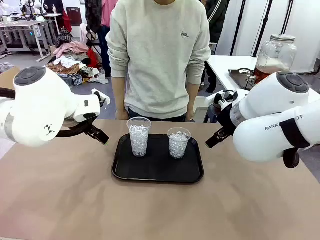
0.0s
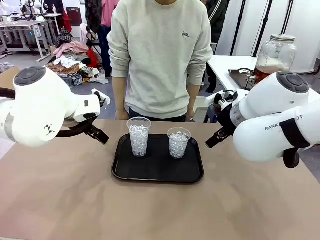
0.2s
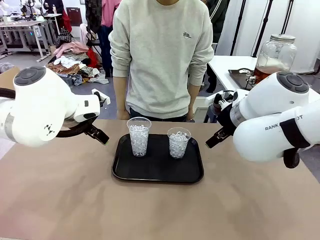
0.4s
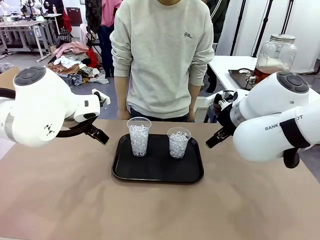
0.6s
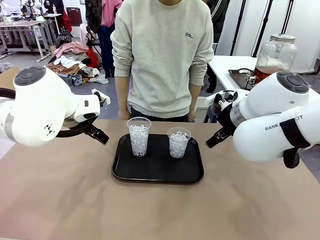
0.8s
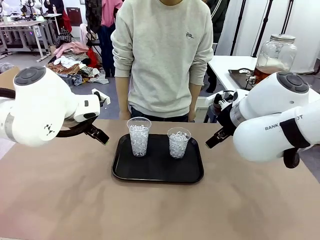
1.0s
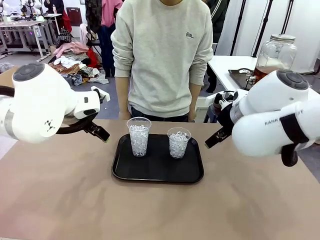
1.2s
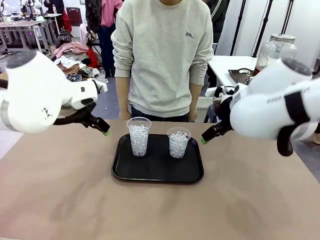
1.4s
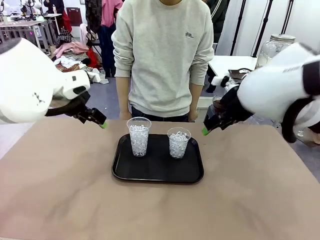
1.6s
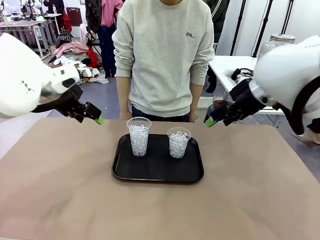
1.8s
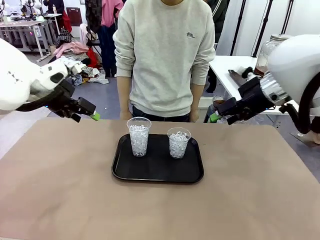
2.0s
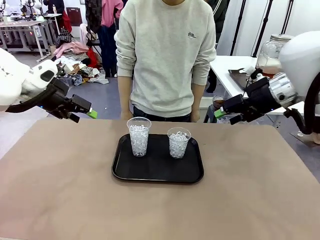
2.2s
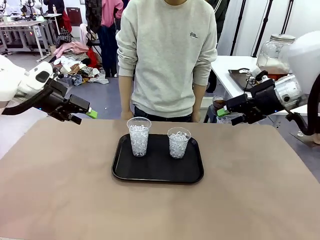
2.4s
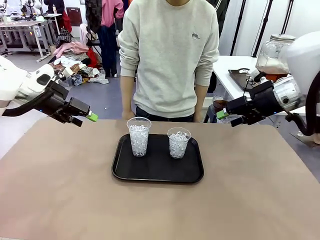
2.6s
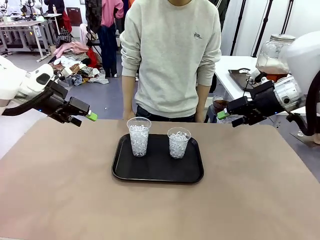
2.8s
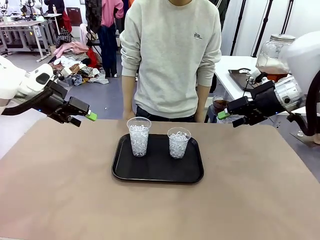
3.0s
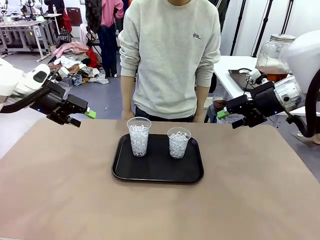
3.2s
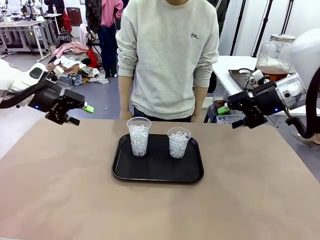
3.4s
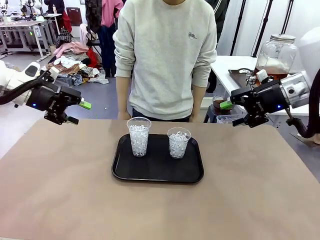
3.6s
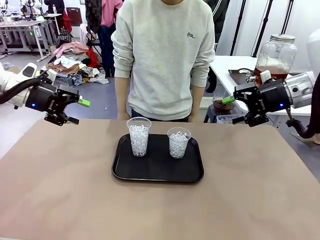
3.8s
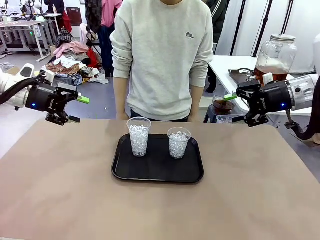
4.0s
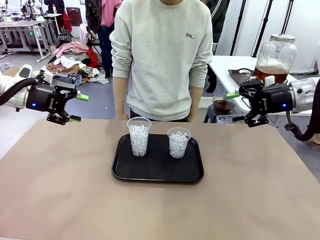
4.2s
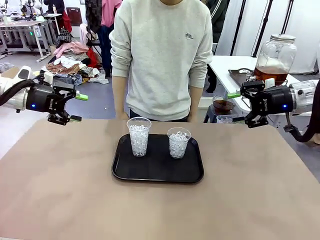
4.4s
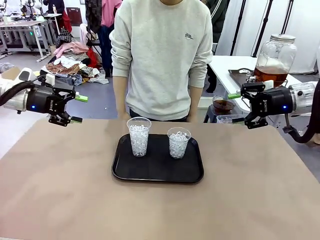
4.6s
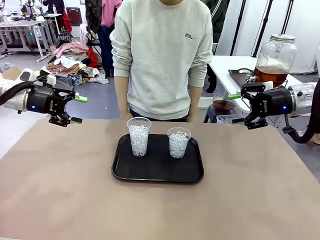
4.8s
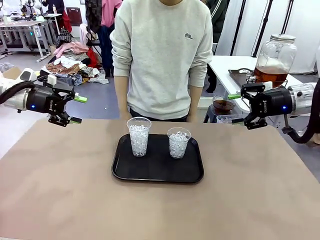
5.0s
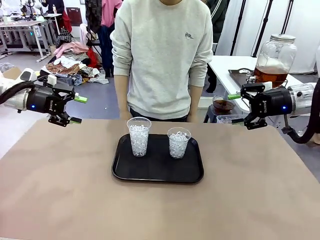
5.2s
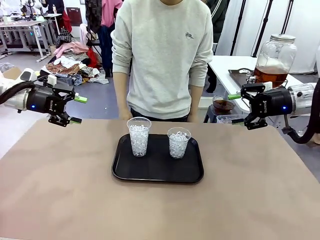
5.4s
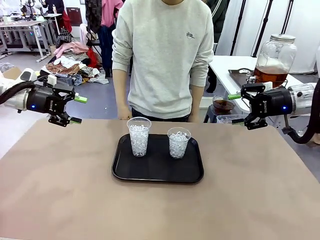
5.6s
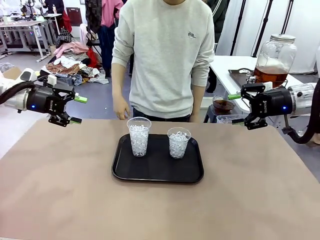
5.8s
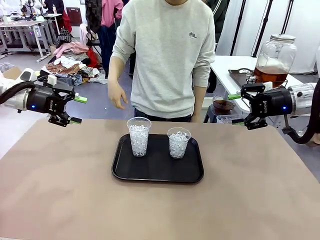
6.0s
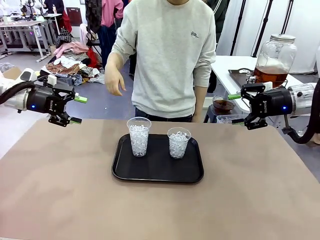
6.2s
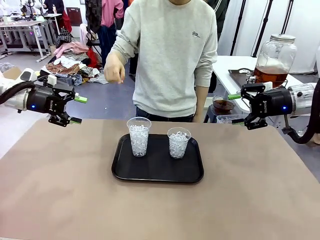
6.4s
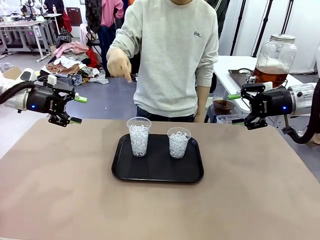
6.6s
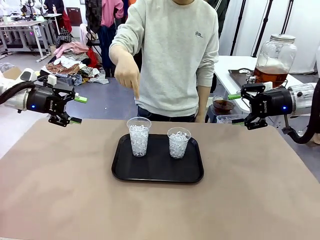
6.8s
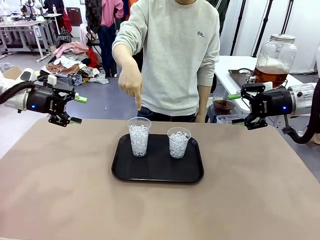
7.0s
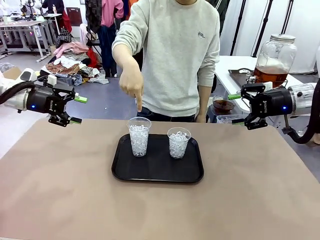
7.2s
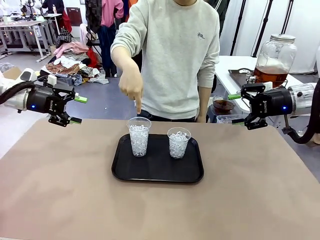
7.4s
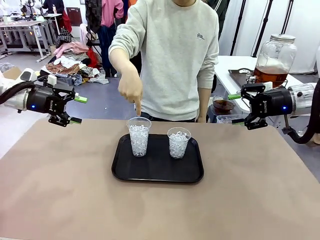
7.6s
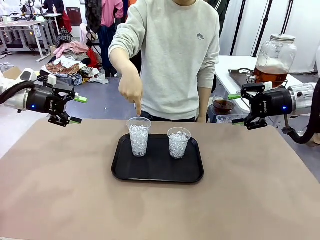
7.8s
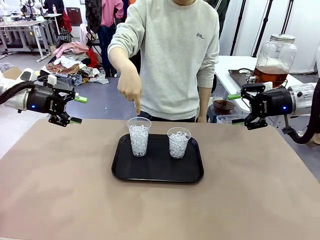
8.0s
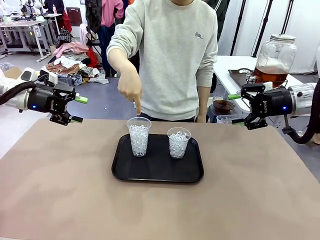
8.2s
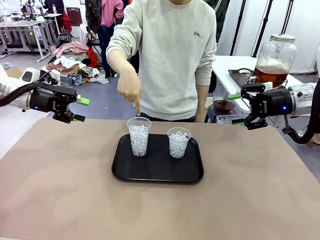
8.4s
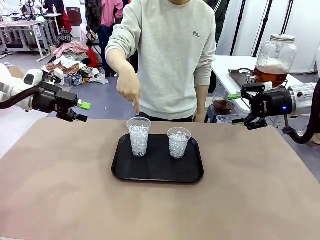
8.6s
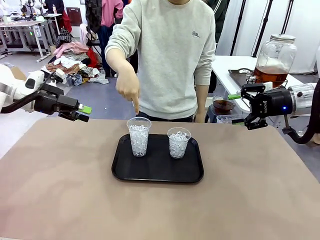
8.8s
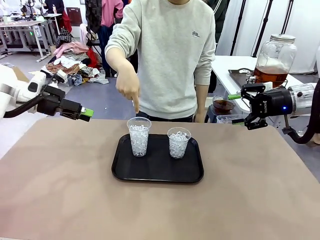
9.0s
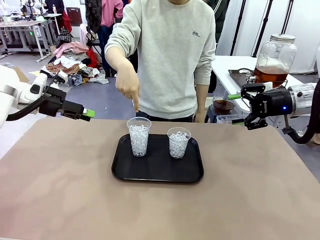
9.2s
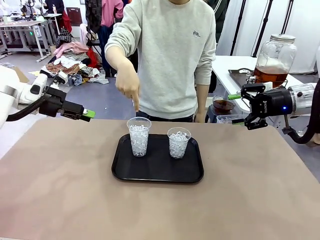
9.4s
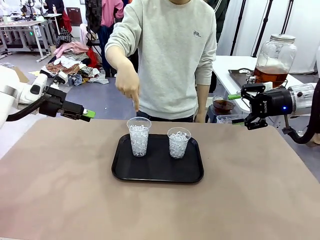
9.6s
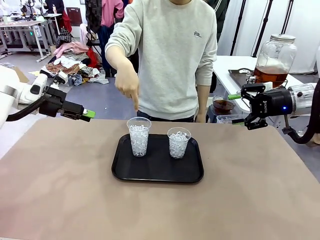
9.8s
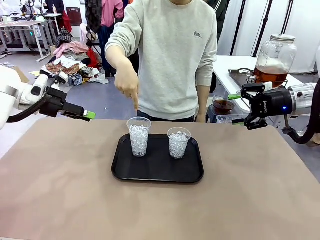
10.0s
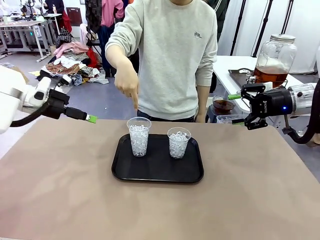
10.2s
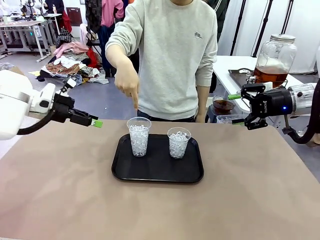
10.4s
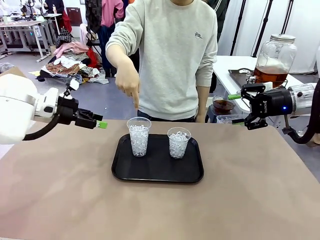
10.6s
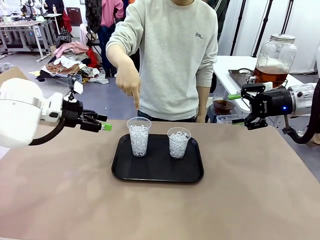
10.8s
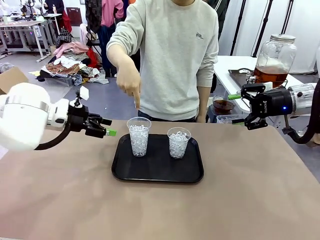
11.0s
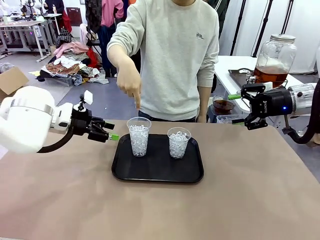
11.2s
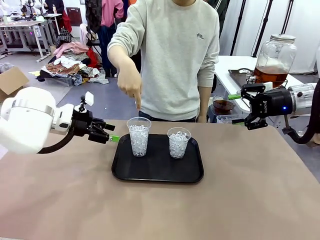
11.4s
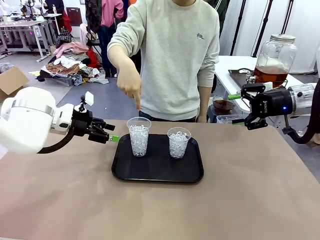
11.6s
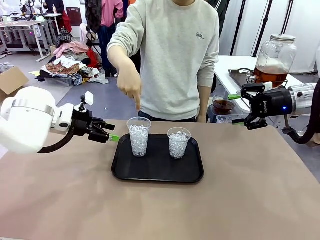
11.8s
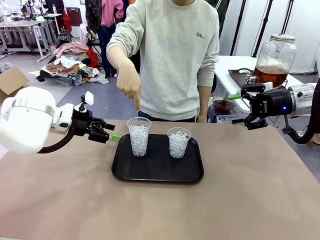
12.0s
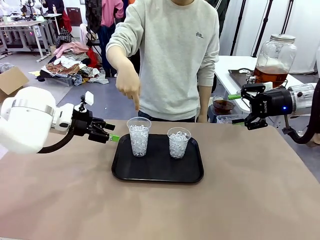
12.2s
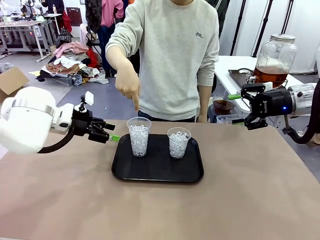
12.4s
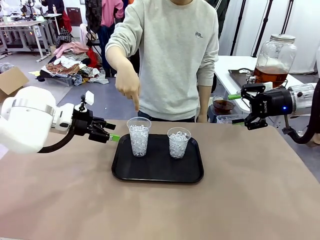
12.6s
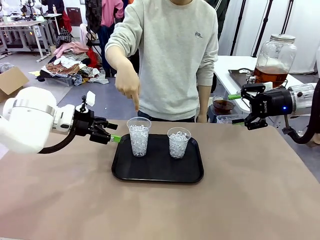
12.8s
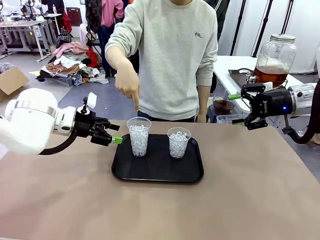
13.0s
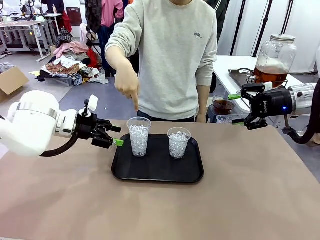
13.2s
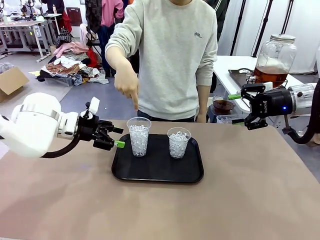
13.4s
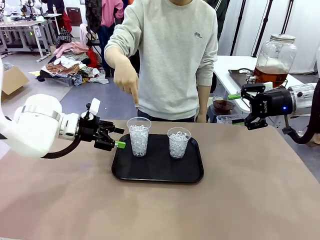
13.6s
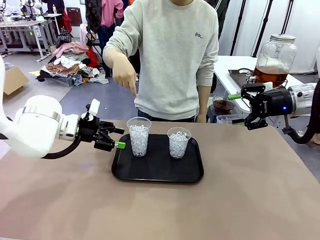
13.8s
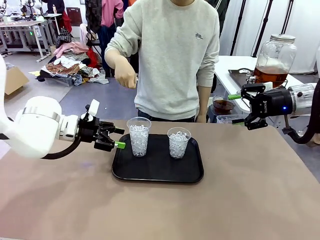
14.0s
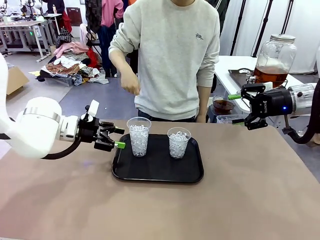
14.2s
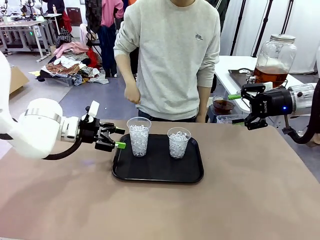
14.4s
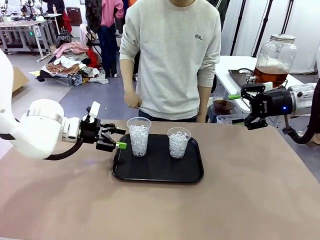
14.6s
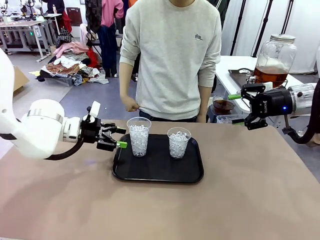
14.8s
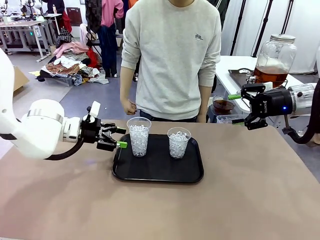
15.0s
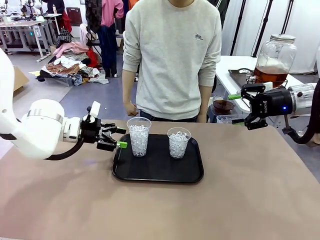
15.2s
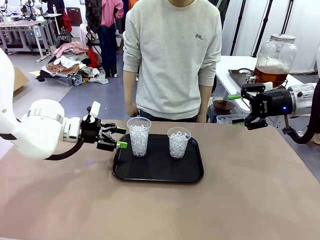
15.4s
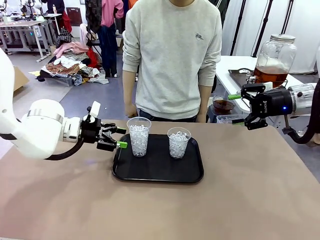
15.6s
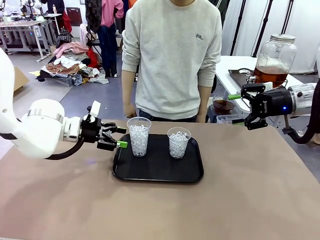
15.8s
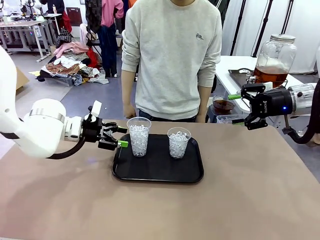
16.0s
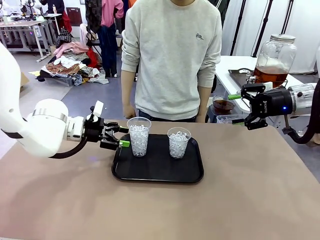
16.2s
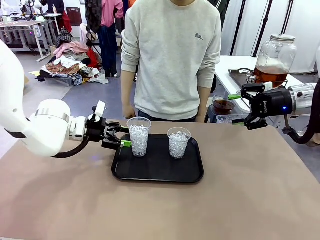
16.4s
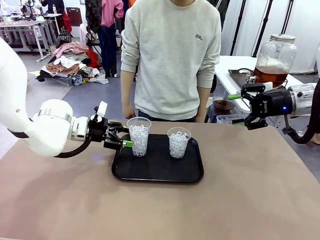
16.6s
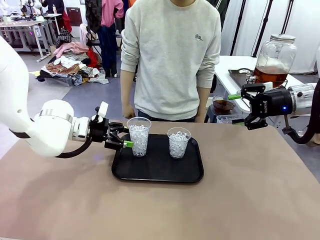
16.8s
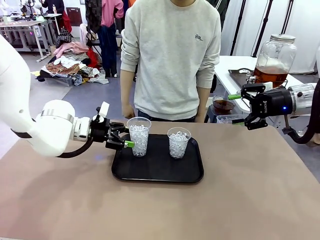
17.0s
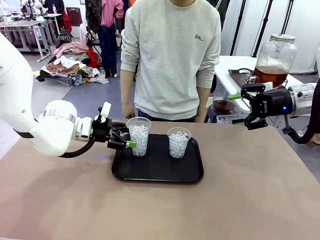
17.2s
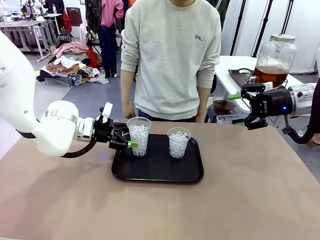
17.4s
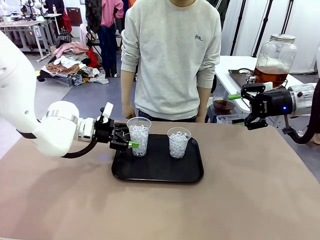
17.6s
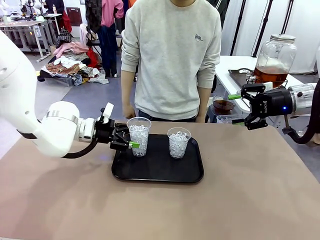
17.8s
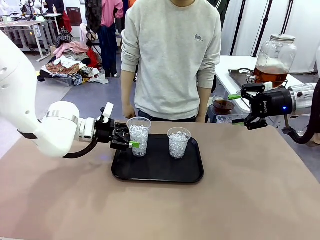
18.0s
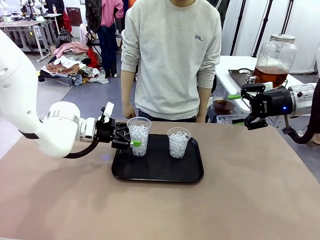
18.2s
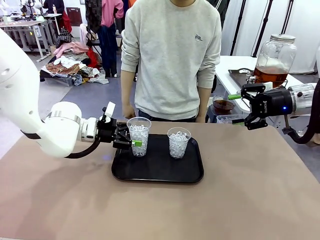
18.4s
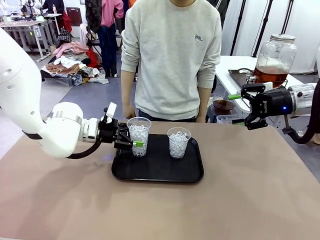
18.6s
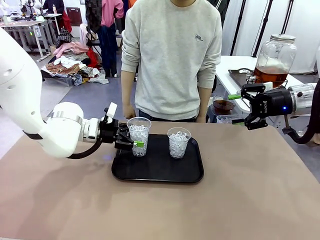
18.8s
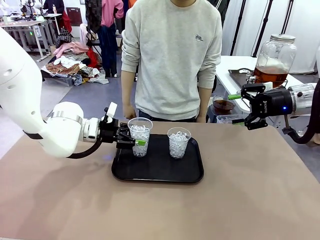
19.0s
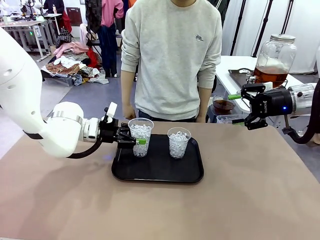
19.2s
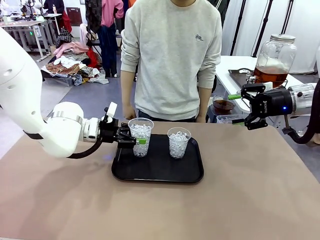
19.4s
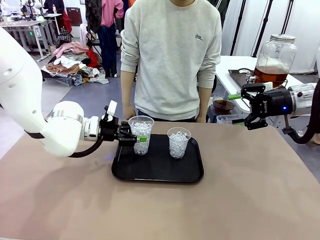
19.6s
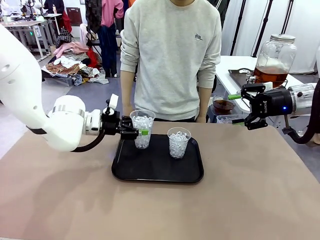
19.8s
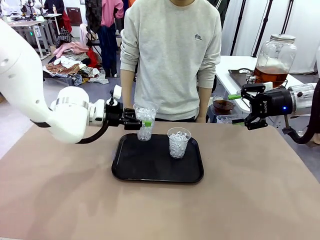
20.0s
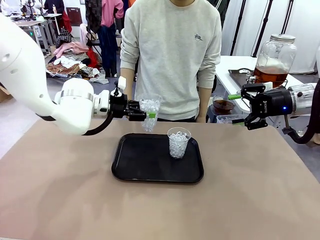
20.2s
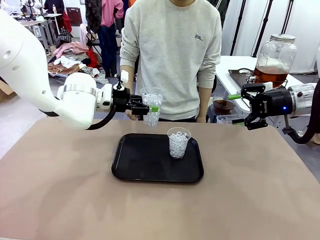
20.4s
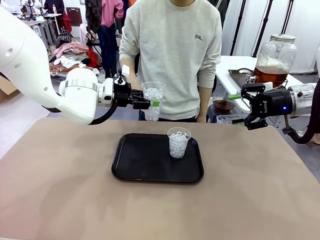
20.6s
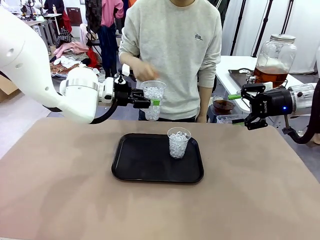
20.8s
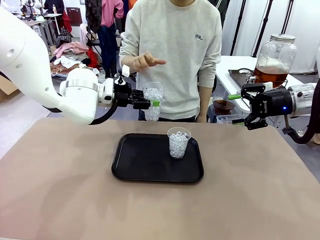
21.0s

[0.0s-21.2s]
Task: Pour the drink into the iced cup.
Robot: Pick up the iced cup indicated by the human and present it to them.
Person: Point to one of the two ice cups. Pick up the cup offered by the robot.

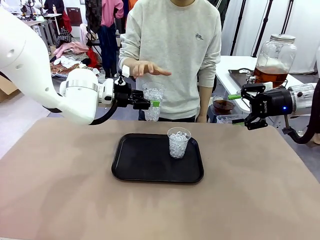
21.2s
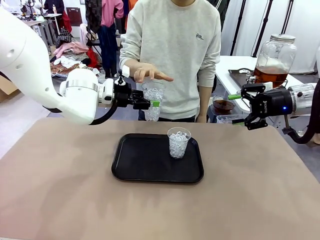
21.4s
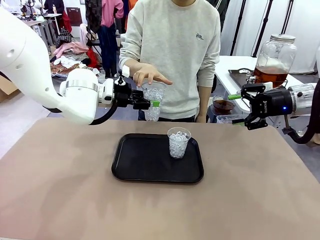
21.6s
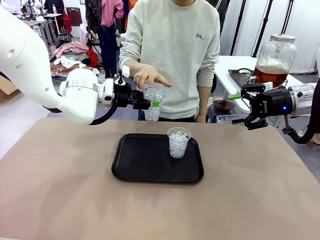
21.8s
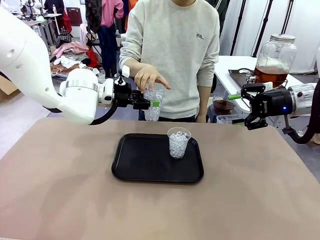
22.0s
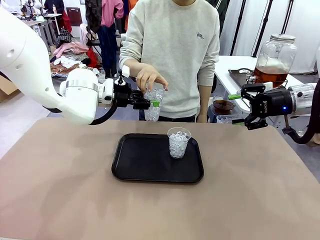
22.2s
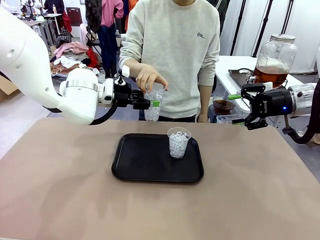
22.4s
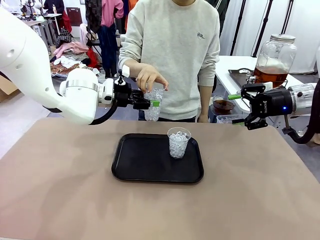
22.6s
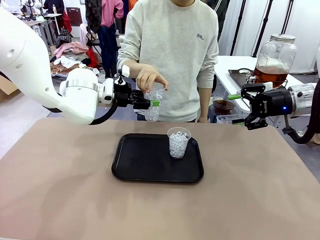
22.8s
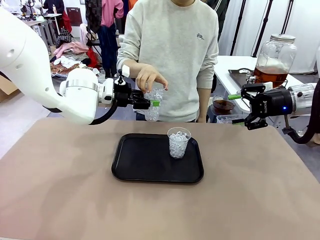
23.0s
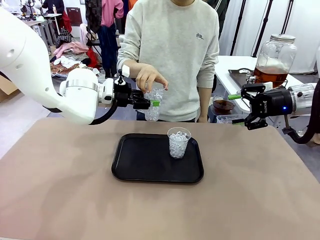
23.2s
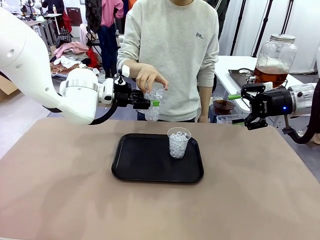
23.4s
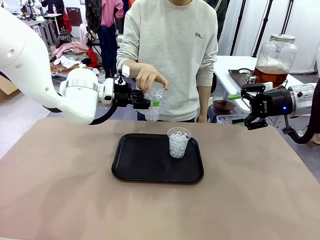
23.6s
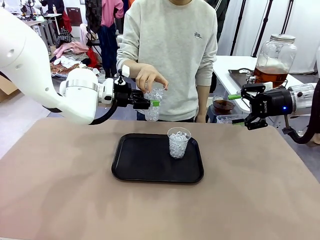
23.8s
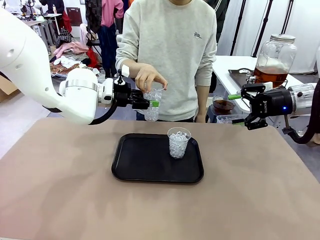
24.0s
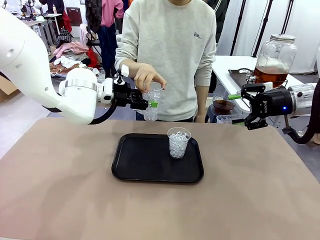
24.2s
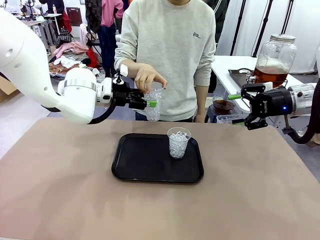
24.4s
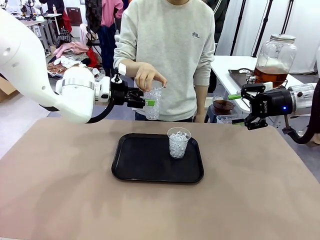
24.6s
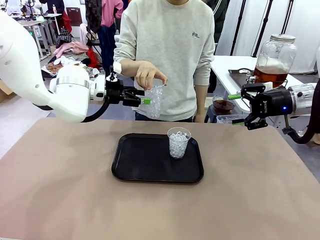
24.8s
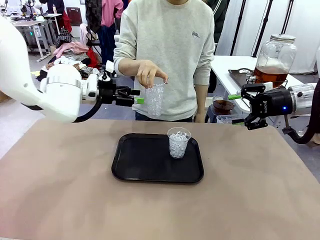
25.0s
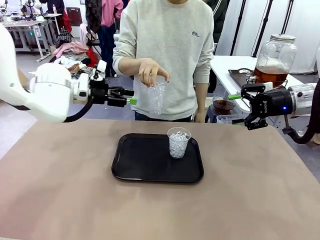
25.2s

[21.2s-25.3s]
Robot: Open the gripper to release the iced cup you were holding.
